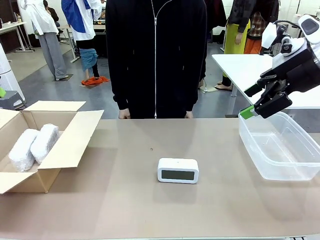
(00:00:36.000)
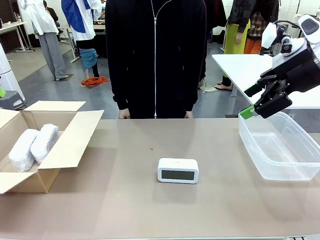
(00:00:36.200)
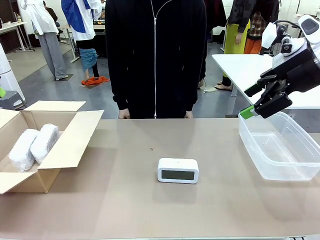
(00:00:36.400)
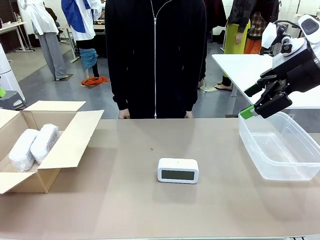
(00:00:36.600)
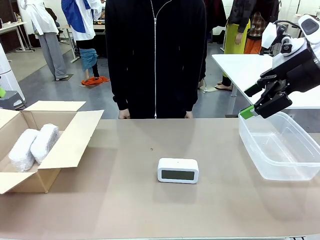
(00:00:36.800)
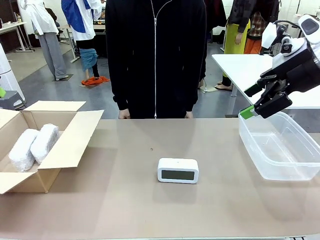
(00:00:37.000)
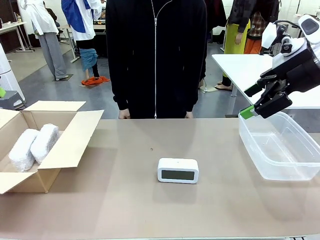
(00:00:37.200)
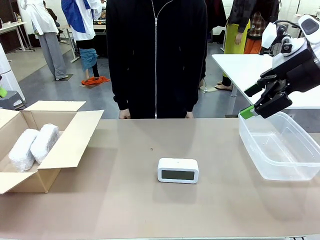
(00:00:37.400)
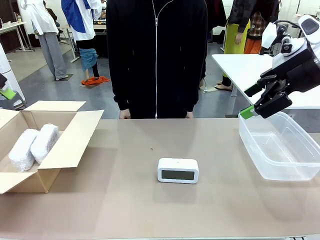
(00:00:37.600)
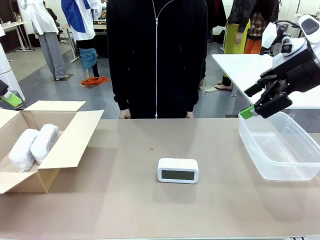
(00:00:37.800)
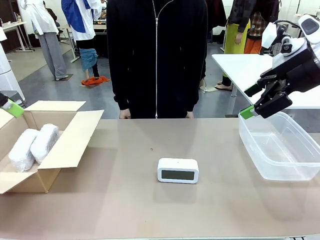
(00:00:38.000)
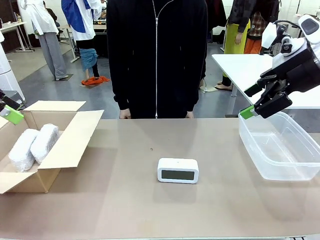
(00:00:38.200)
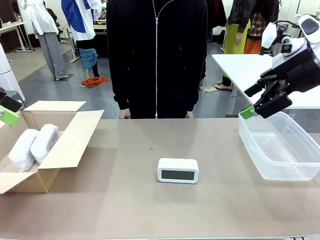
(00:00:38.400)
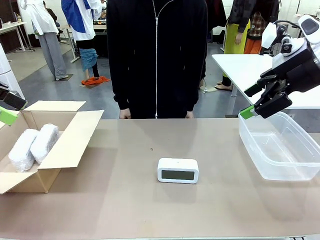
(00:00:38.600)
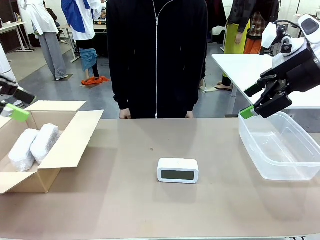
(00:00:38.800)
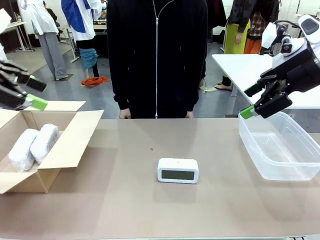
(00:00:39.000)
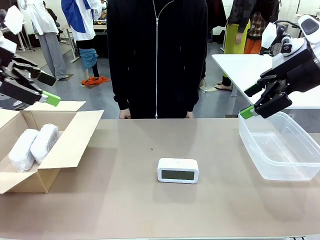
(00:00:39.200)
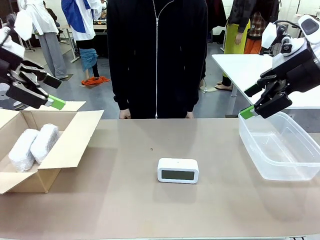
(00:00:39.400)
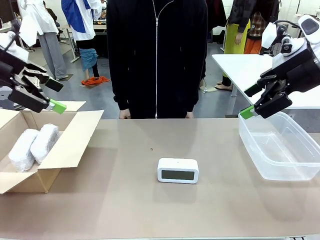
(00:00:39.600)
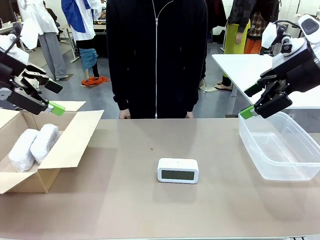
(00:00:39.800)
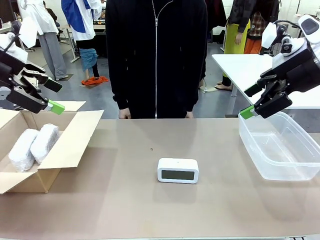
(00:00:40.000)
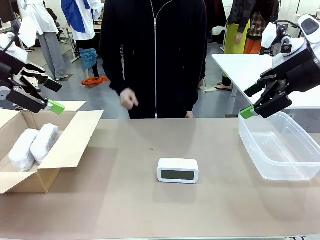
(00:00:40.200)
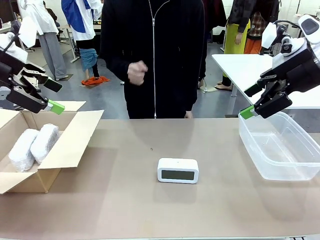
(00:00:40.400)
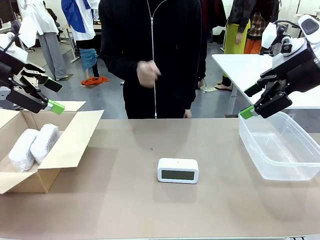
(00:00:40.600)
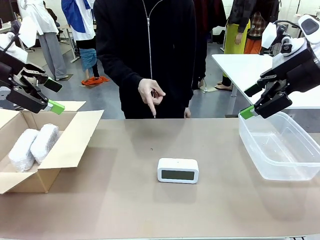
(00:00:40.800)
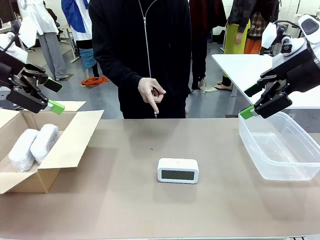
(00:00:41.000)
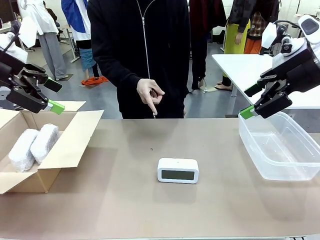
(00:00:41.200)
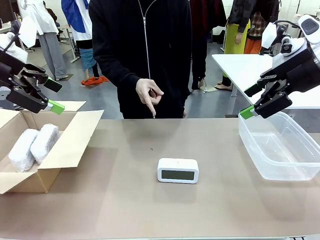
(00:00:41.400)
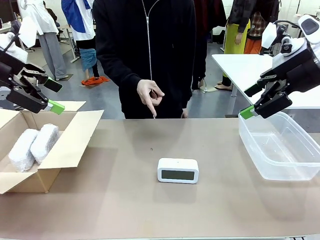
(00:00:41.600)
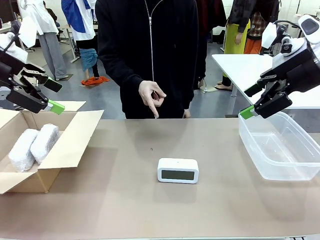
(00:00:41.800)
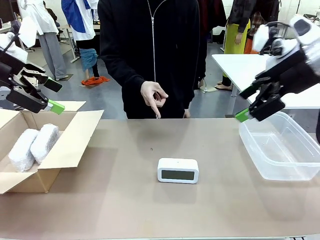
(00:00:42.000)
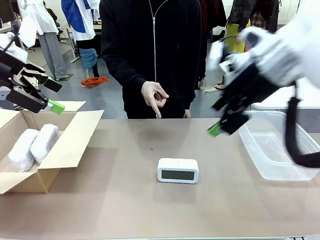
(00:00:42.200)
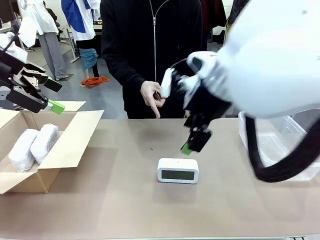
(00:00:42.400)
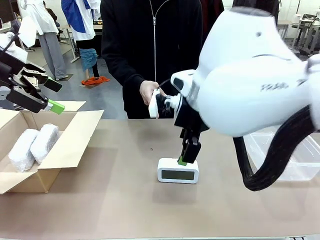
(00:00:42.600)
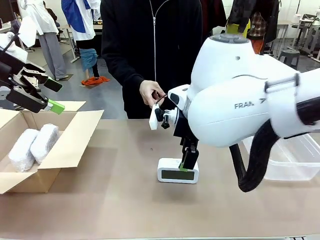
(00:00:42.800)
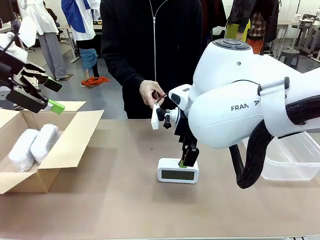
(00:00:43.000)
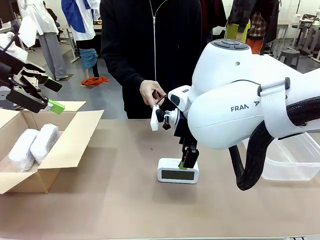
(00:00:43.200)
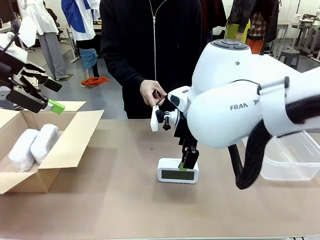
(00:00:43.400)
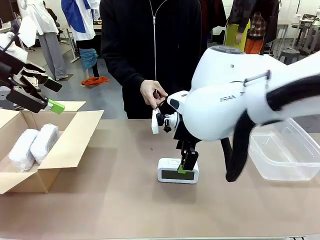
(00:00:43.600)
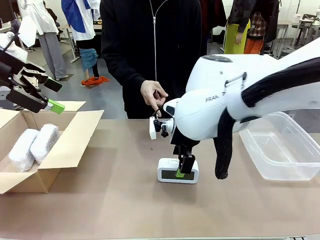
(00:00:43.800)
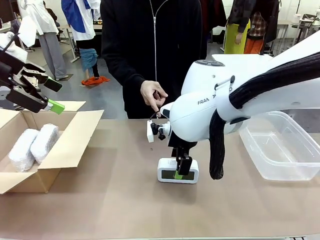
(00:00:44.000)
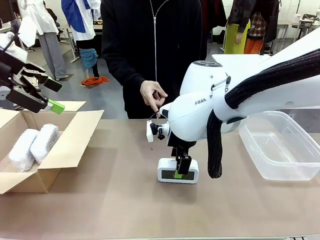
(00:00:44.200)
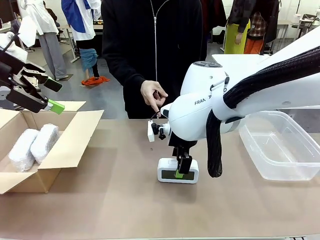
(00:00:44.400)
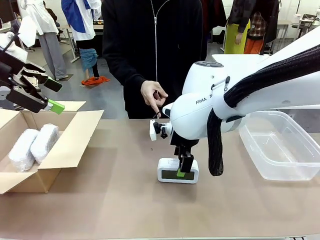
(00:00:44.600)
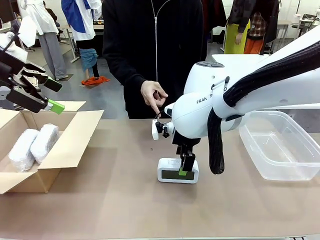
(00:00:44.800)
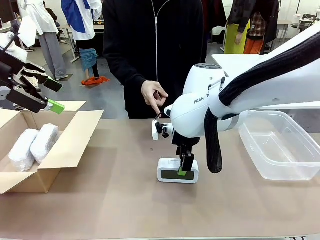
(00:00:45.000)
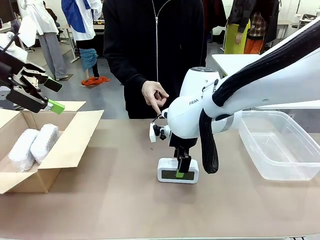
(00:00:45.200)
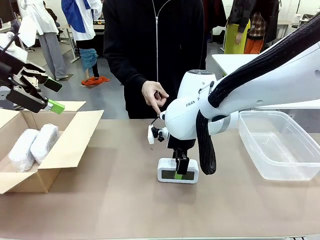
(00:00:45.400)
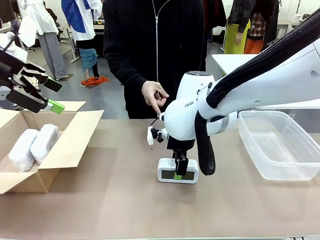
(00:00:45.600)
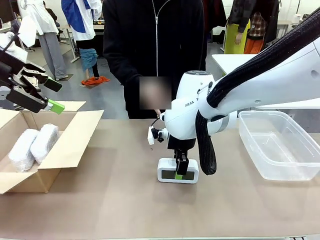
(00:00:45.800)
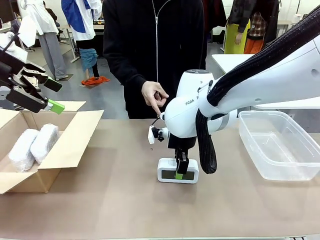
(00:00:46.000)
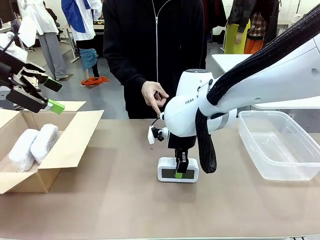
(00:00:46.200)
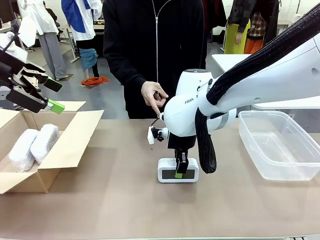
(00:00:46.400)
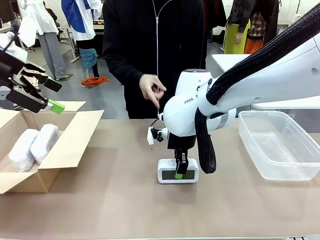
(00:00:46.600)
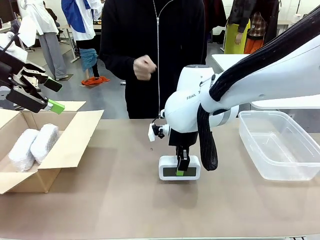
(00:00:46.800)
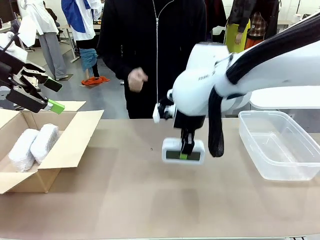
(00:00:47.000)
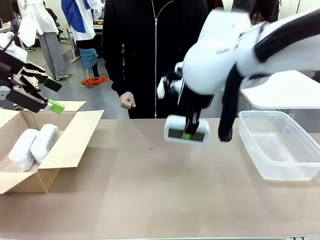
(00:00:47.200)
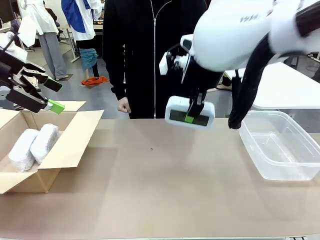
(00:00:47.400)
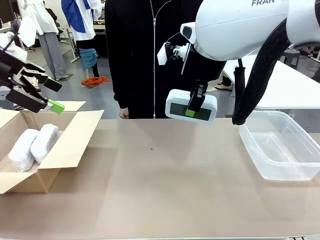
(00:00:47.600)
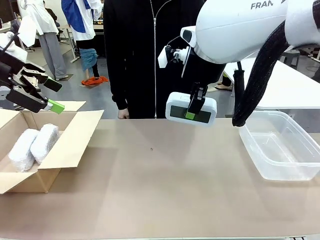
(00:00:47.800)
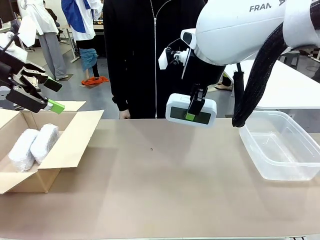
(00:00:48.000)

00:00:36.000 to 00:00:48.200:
Task: Separate and place wrapped and unwrapped clocks.
Robot: Pick up the Digital clock indicated by the person.

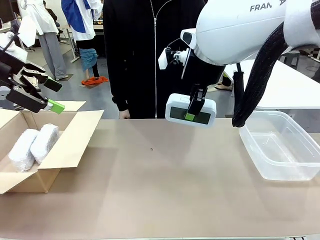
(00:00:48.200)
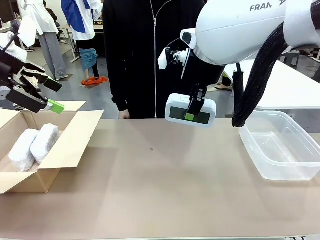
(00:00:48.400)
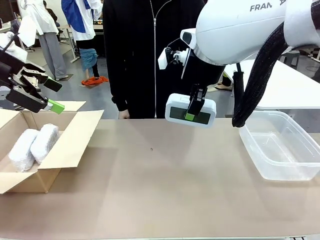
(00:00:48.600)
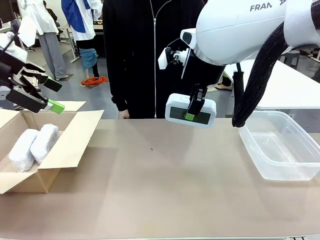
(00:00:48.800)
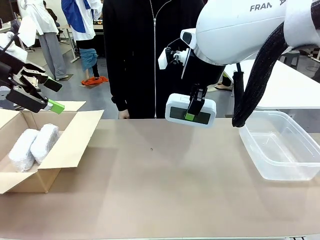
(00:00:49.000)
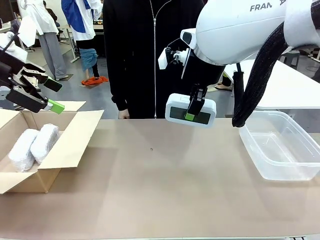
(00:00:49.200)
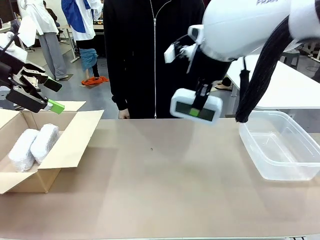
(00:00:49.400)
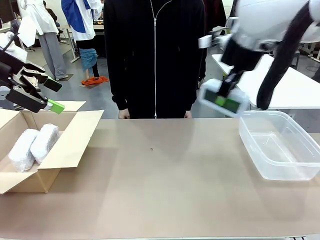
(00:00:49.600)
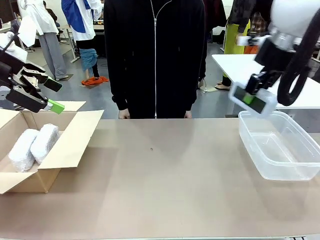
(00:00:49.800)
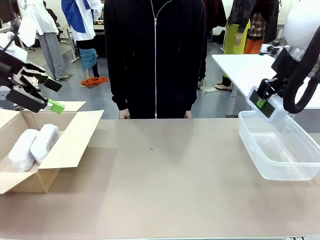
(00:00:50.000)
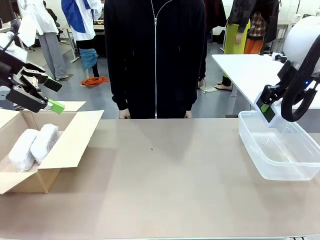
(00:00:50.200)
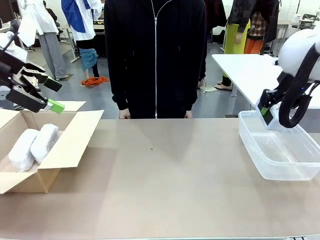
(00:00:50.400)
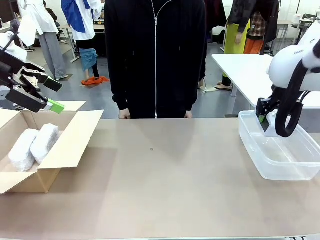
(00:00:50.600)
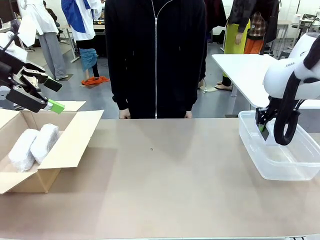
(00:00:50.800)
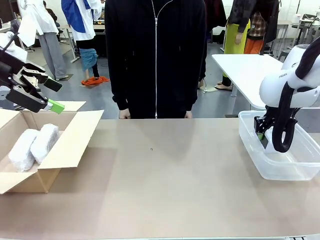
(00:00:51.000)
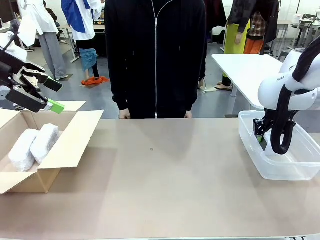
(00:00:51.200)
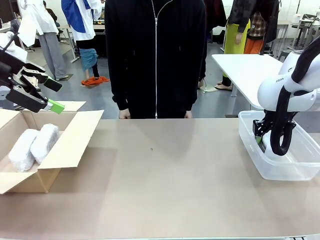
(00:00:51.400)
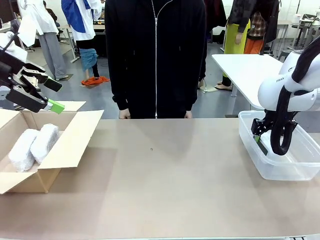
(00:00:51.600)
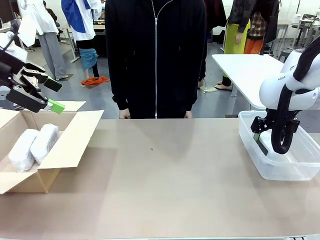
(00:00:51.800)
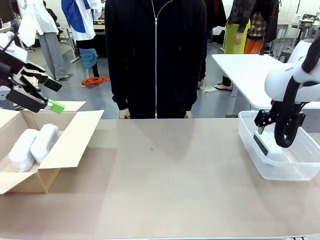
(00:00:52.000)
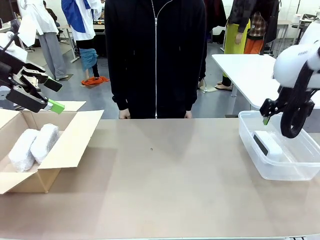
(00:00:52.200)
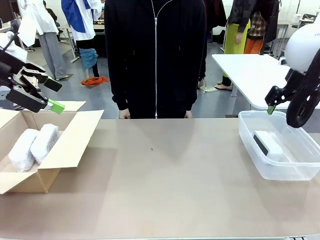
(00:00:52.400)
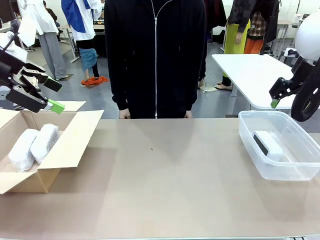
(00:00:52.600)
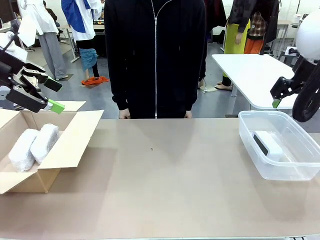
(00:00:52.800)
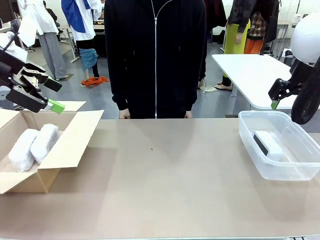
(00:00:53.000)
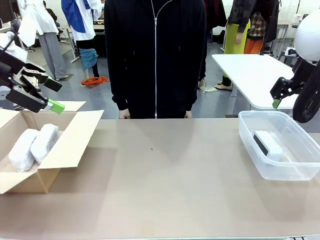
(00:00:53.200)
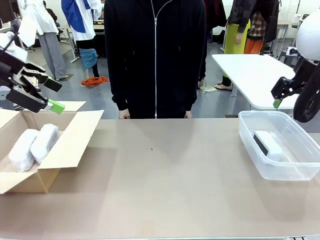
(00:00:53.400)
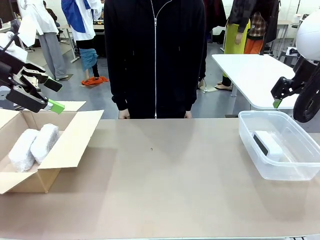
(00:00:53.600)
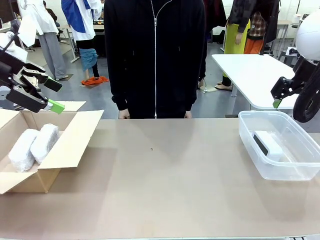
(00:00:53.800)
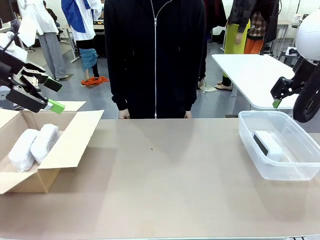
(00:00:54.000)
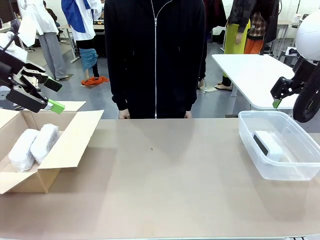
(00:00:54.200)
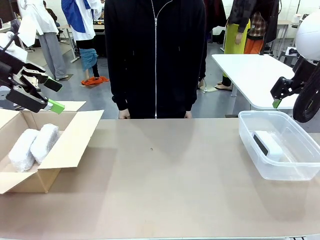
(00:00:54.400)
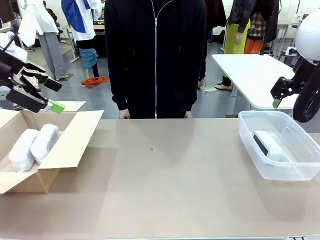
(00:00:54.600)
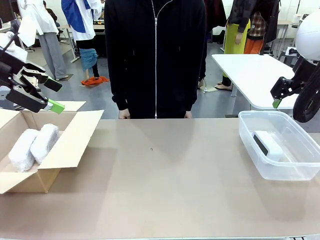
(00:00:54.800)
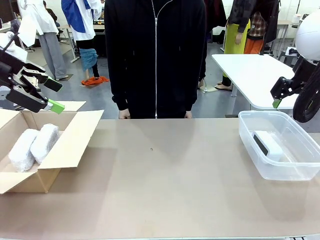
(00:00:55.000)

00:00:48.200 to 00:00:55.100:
Robot: If the picked Digital clock is wrapped, place it in the Package Box ; if not, place it in the Organizing box.
